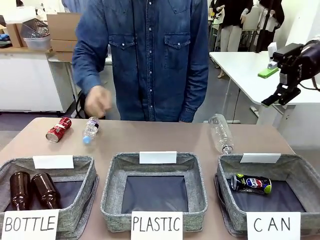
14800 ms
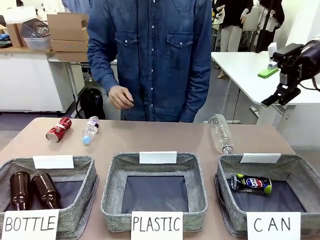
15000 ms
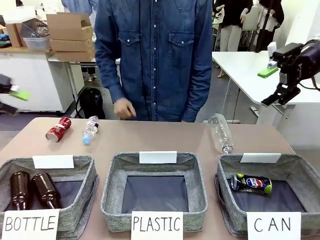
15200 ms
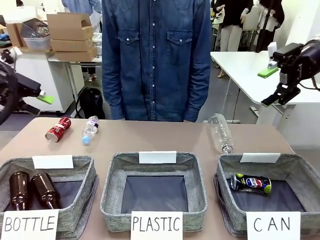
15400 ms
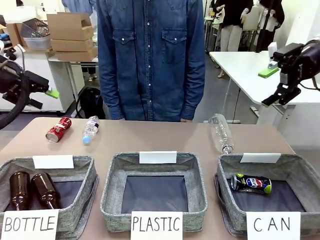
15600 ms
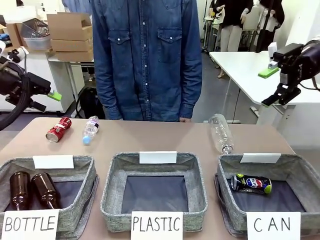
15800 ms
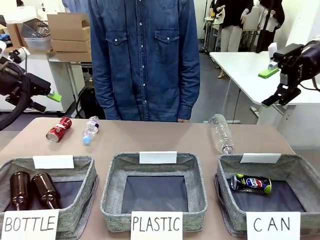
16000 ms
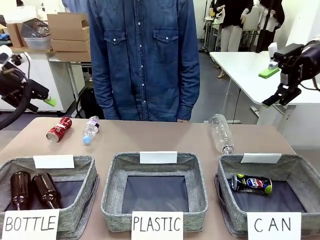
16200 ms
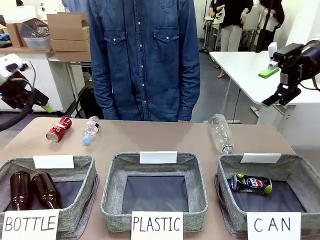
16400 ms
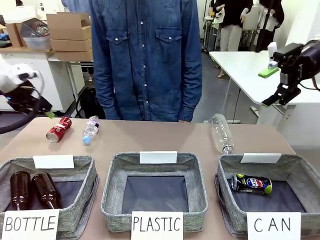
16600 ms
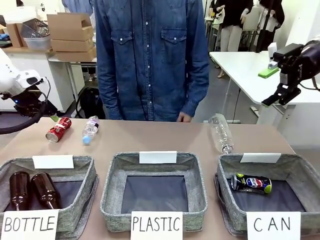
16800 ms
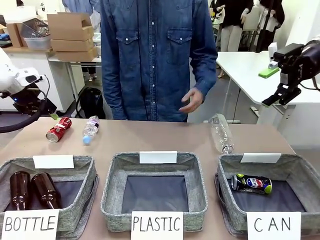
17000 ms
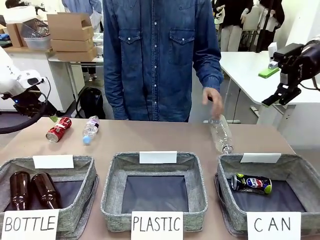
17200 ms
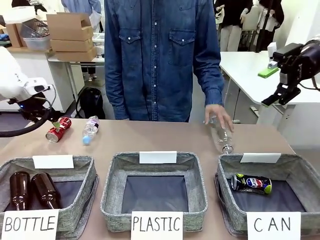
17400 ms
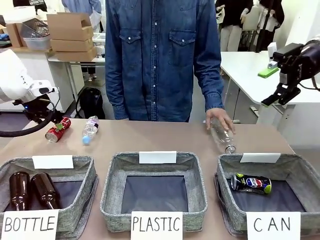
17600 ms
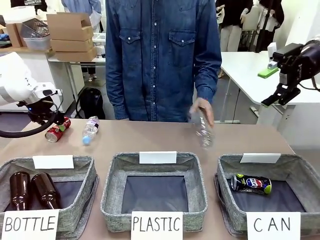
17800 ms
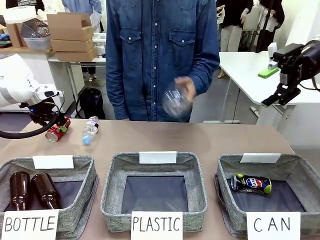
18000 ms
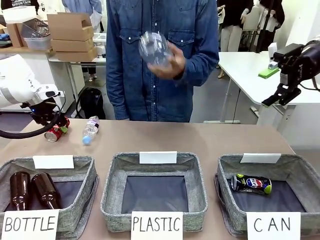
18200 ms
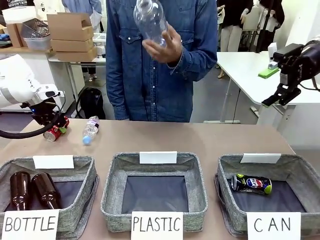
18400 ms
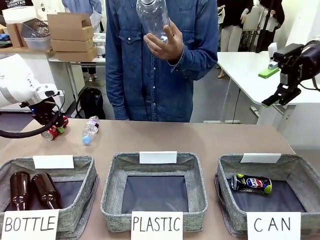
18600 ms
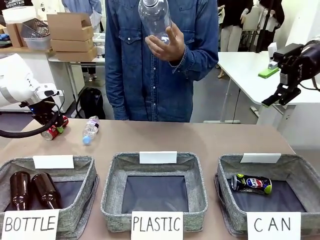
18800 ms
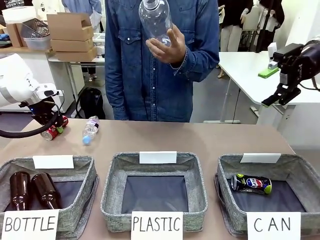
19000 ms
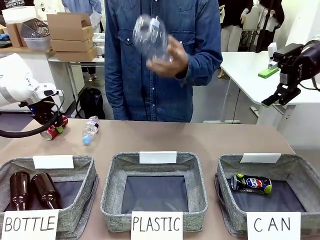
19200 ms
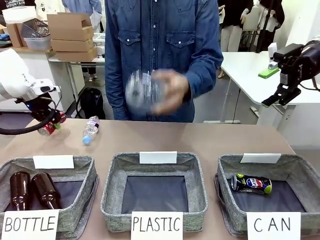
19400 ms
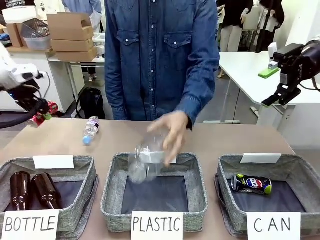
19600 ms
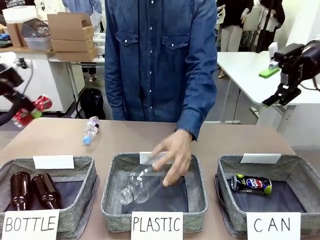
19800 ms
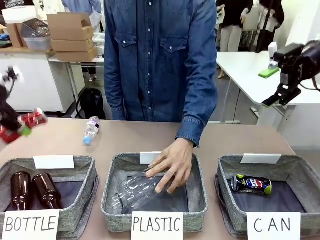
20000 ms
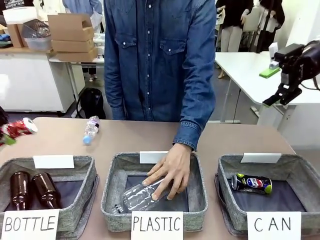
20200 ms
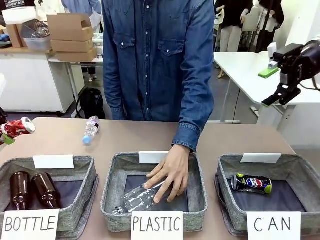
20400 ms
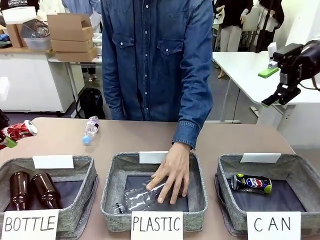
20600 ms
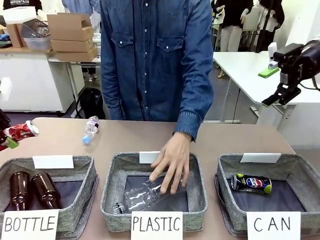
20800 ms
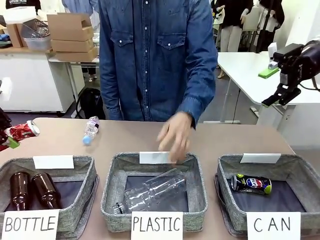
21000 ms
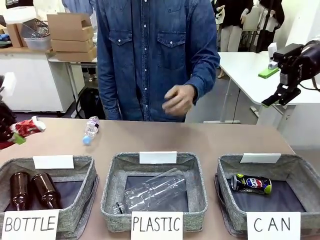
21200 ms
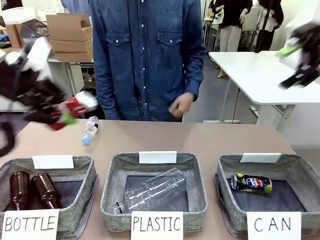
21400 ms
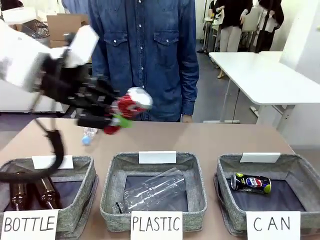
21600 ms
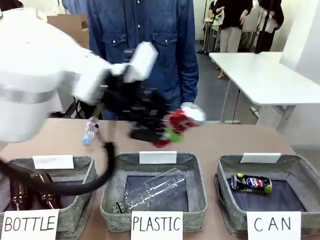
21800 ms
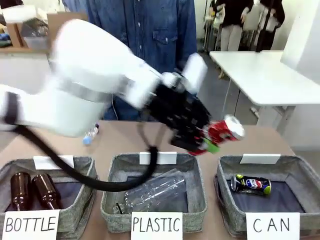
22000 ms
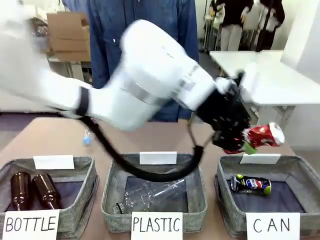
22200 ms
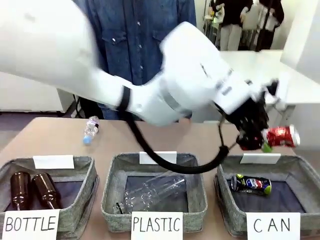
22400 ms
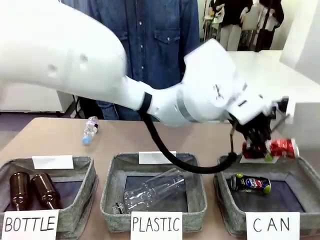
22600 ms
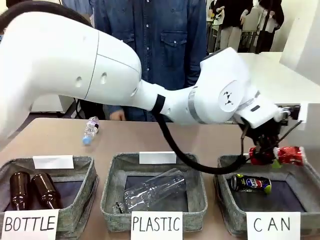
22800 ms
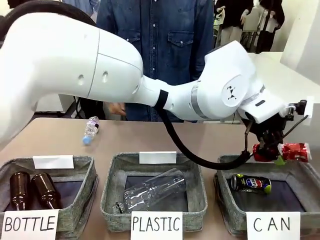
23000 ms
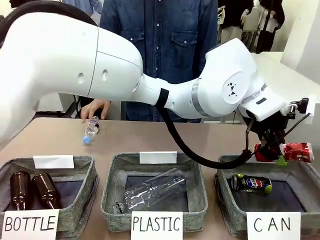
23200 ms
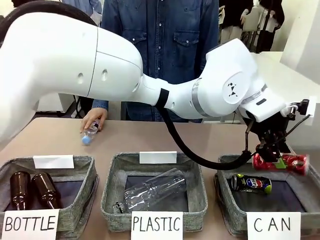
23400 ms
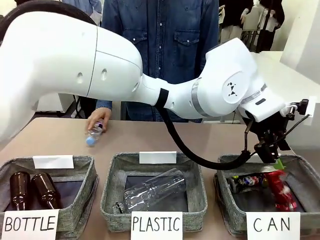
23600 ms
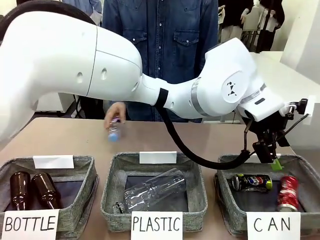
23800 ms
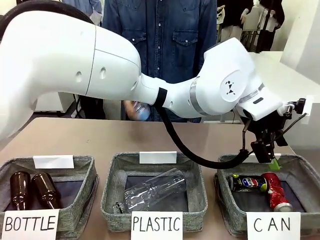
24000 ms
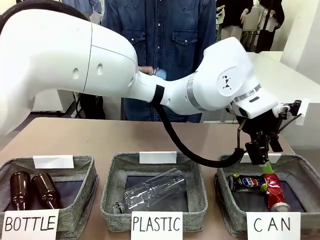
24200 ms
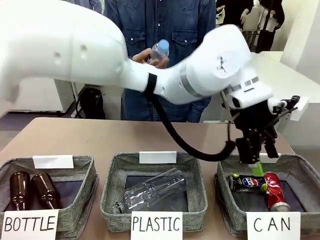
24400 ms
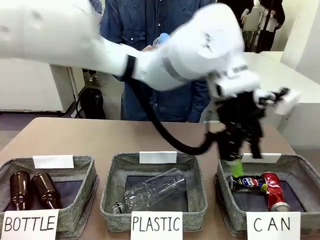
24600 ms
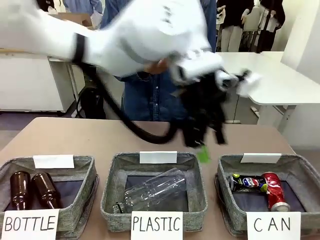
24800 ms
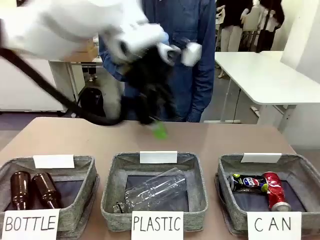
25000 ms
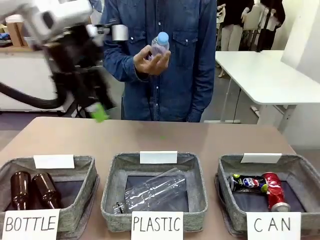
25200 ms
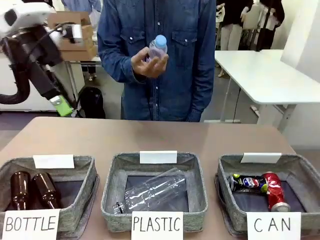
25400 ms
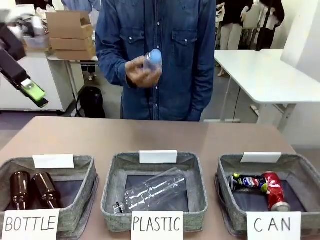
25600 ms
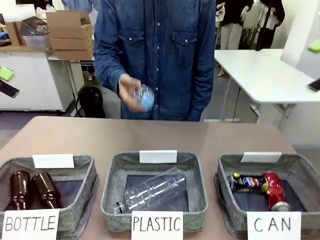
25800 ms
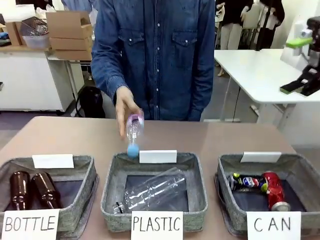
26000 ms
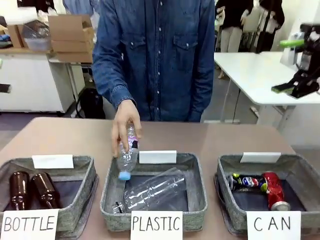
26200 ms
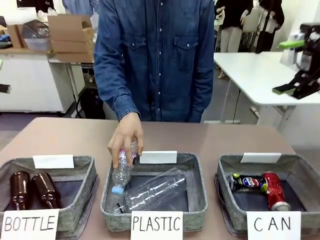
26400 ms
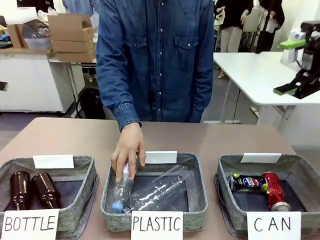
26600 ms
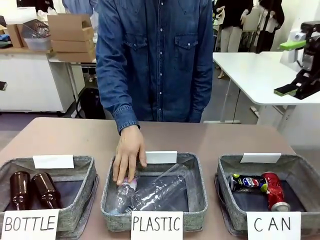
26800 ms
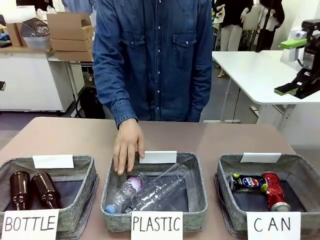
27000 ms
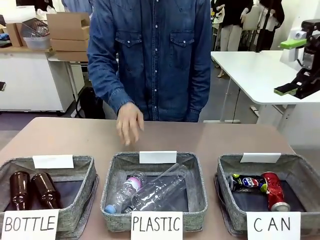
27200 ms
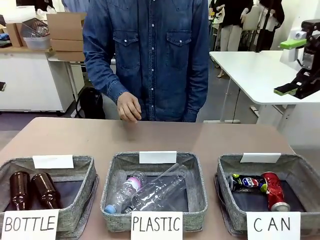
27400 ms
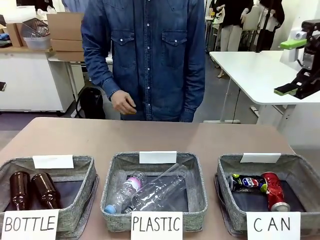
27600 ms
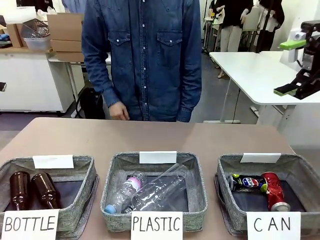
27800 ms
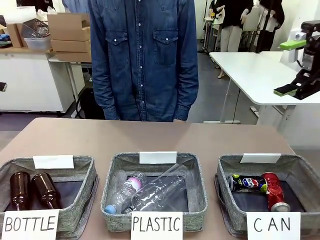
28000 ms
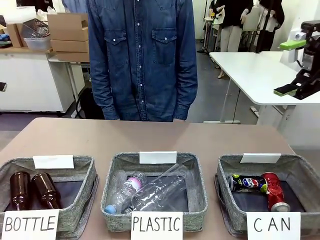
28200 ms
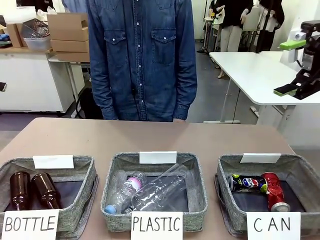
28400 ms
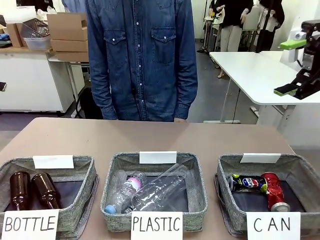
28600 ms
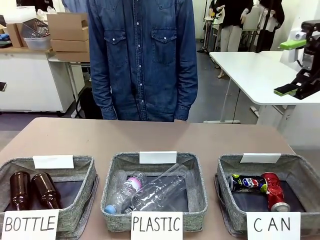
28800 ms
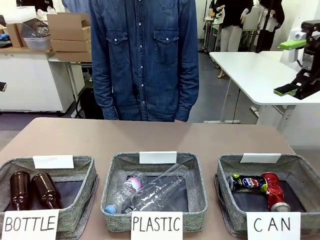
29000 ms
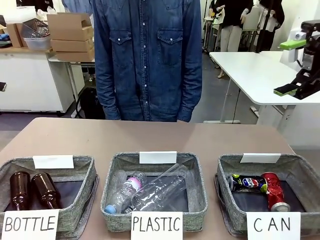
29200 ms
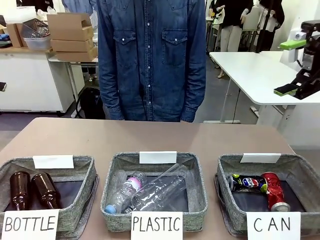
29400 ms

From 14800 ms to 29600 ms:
Task: Sort the can waste into the basket.
Robot: Pick up the can waste from the table and place it in the right Fabric basket.
